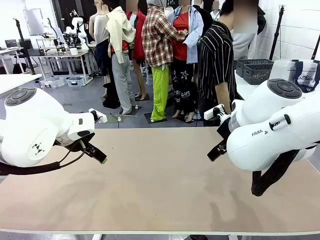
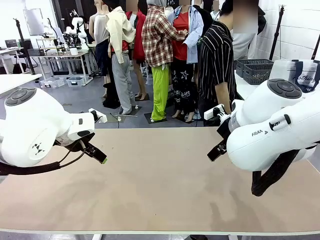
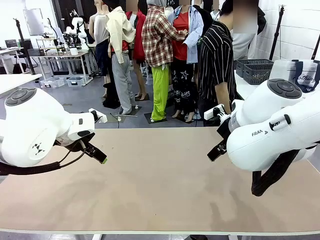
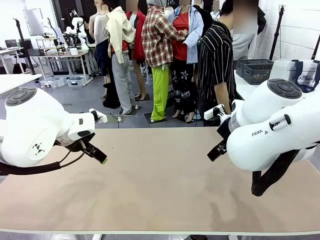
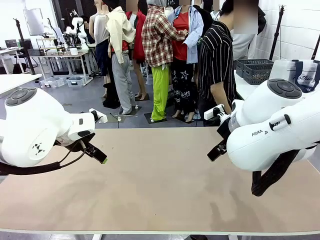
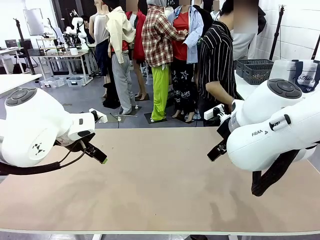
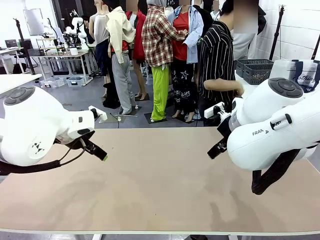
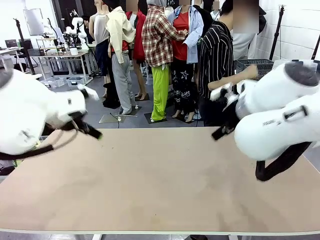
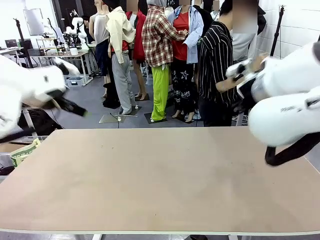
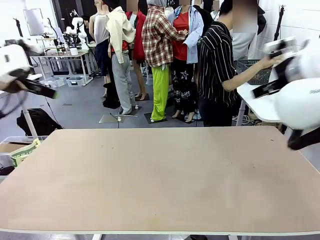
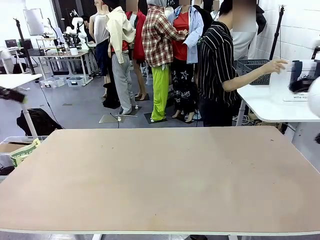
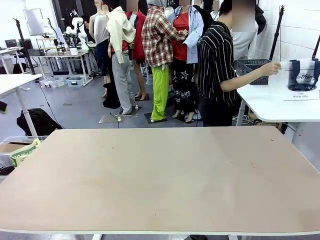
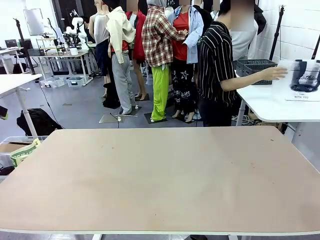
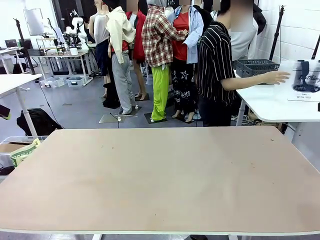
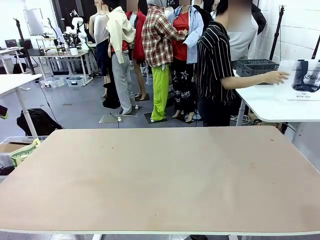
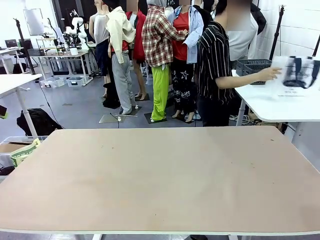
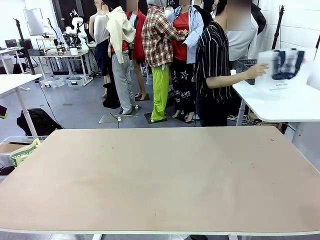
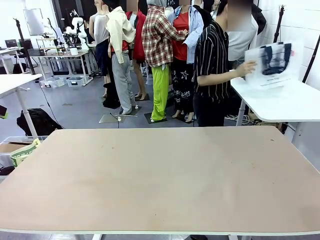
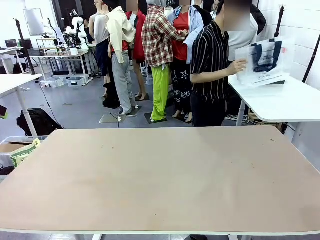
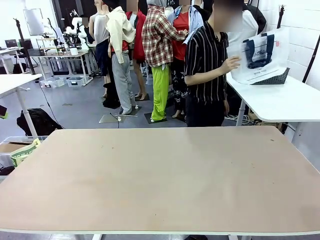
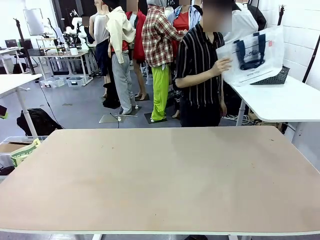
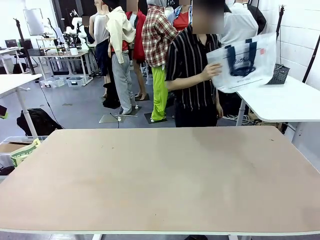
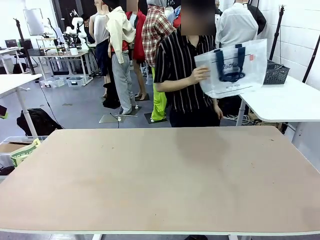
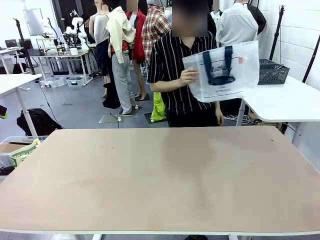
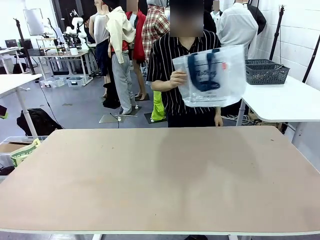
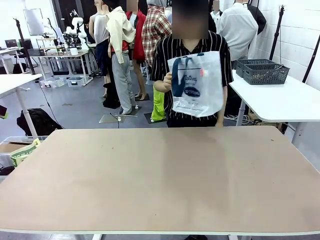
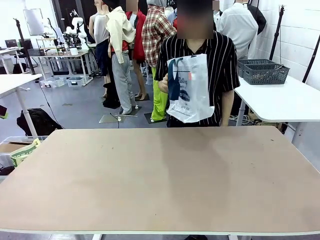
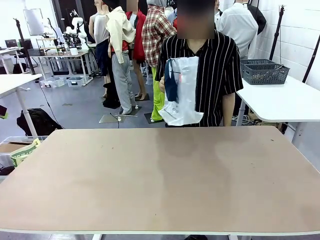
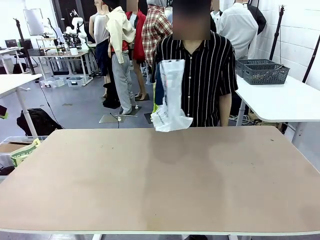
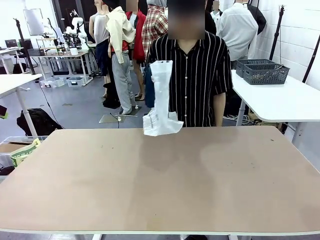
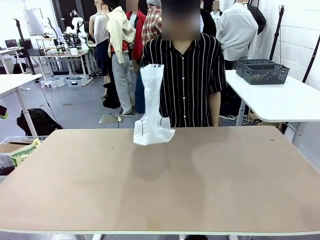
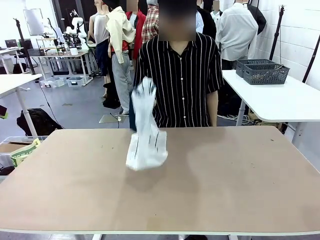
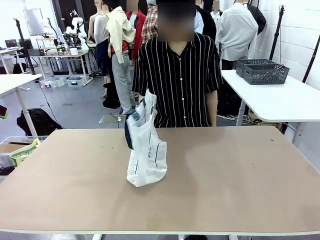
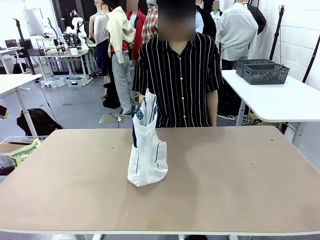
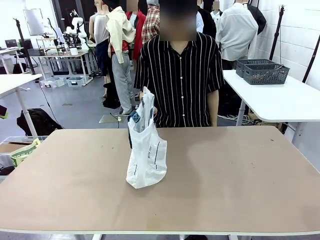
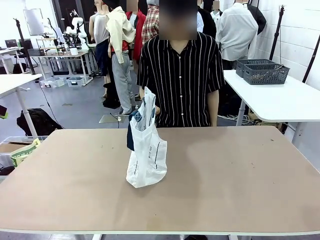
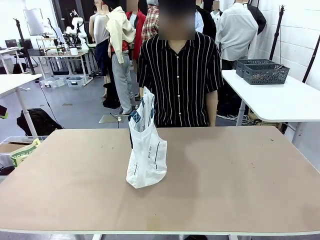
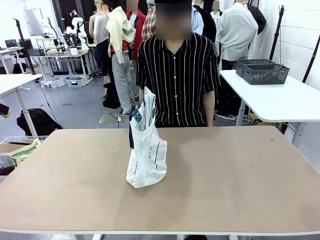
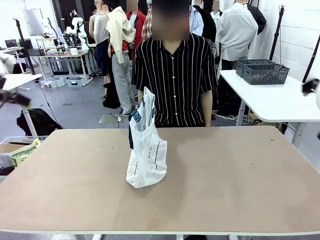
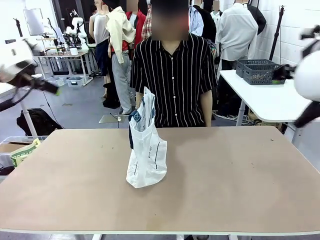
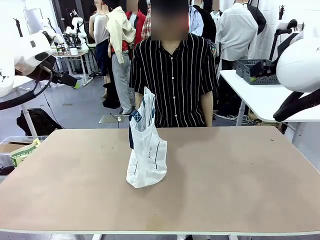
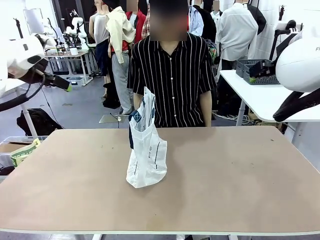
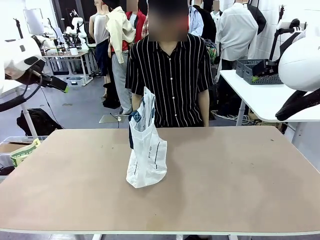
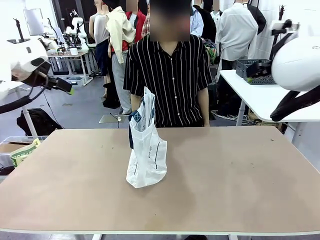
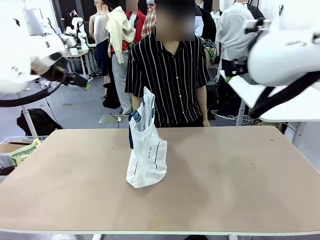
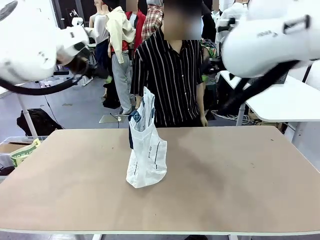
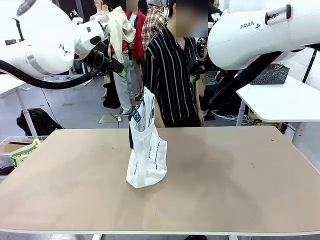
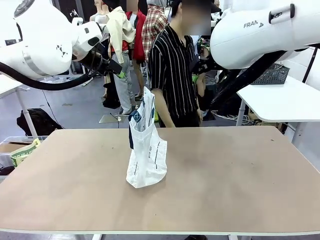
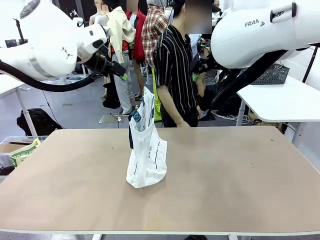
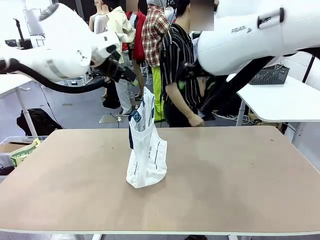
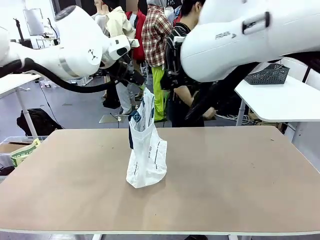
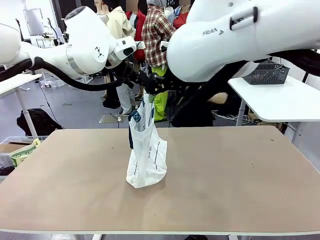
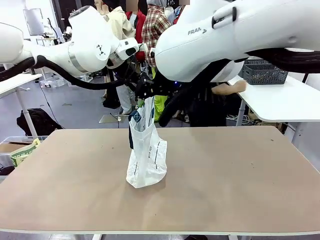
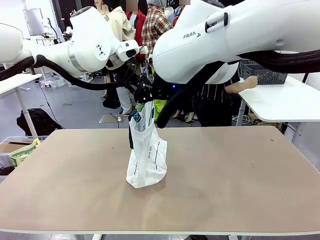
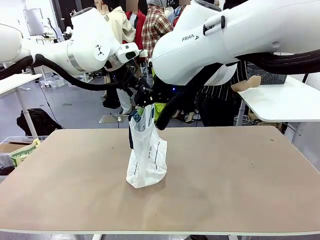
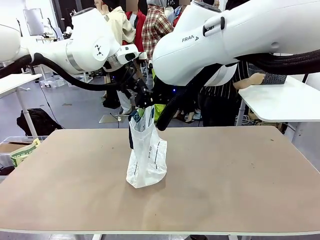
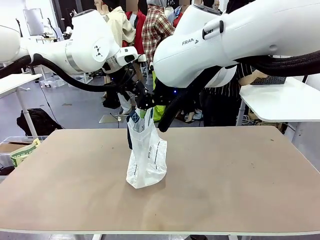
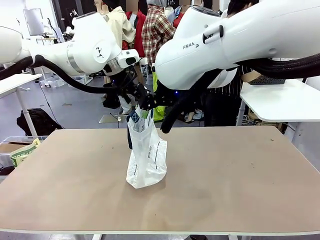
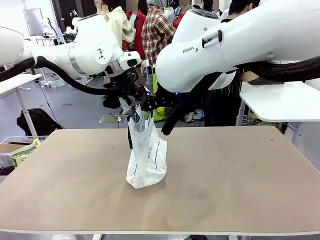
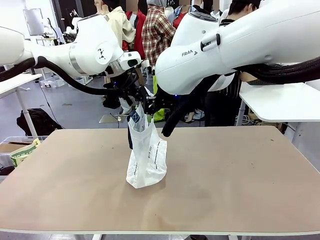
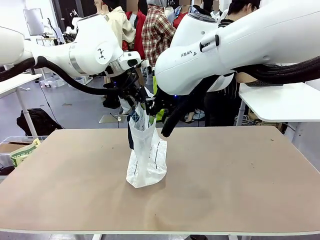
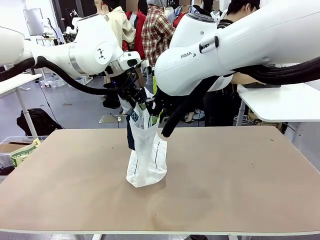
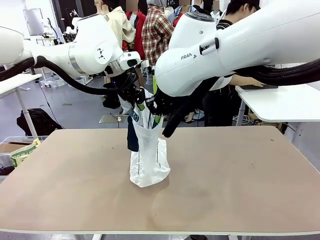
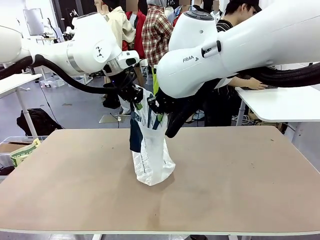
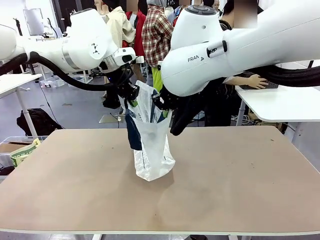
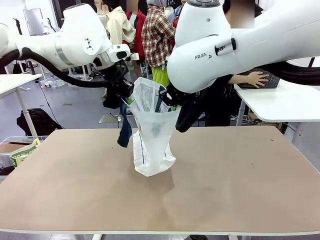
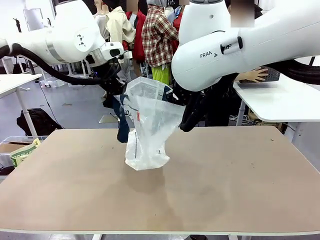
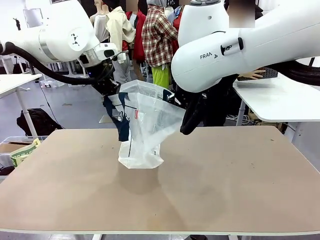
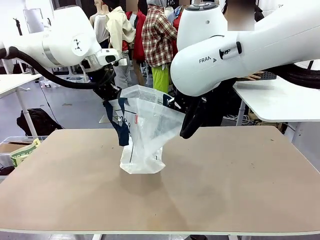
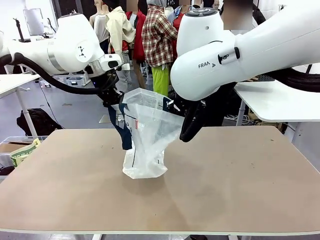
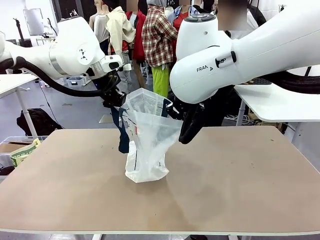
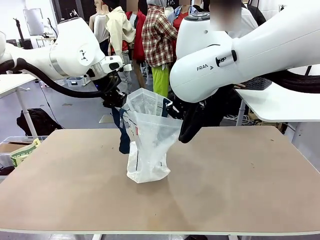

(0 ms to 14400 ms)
Task: Transfer purchased items from the store into the shopping bag.
Robot: Open the Reusable shopping bag in the center of the table.
Person: Pick up the shopping bag and place it in the middle of the robot table. Pick up the basket on the right, place it on the left side of the robot table, and move the items in the basket to the shopping bag.
